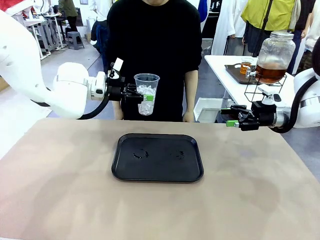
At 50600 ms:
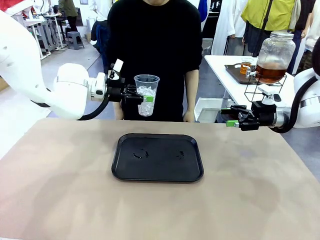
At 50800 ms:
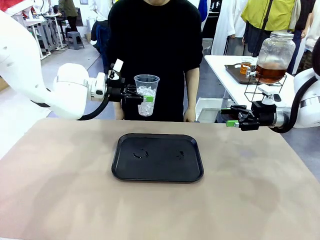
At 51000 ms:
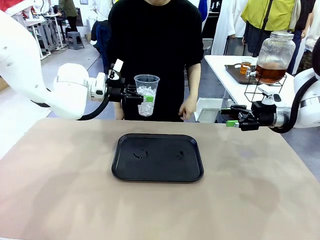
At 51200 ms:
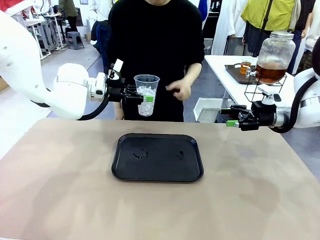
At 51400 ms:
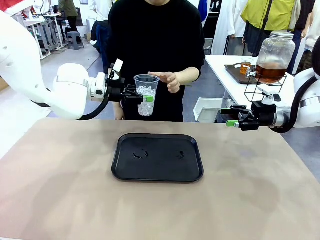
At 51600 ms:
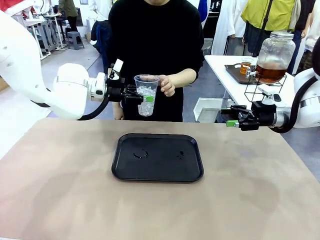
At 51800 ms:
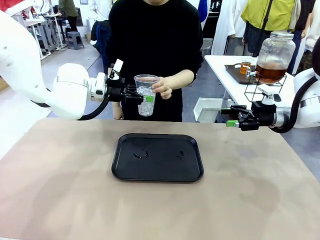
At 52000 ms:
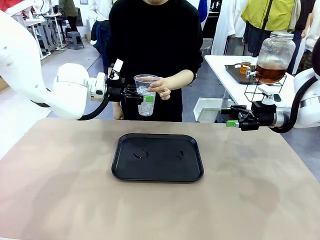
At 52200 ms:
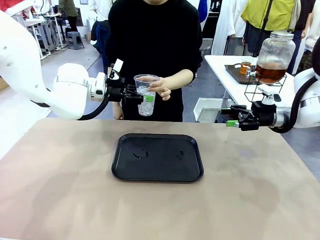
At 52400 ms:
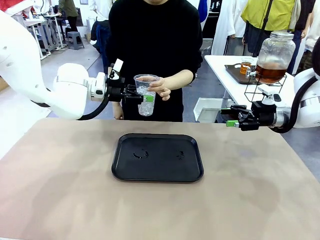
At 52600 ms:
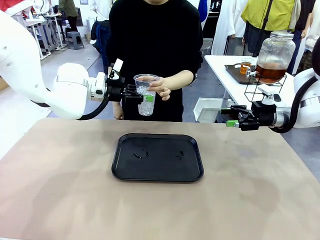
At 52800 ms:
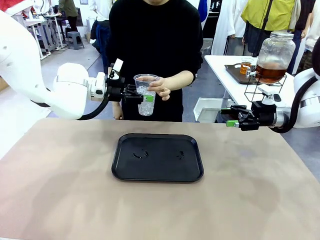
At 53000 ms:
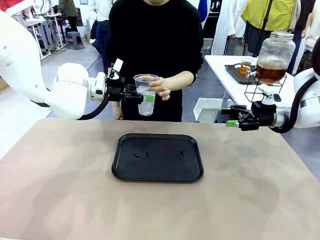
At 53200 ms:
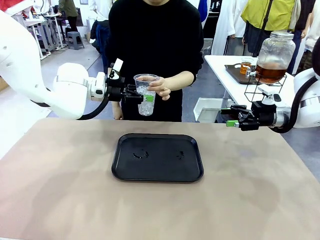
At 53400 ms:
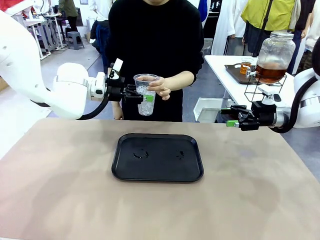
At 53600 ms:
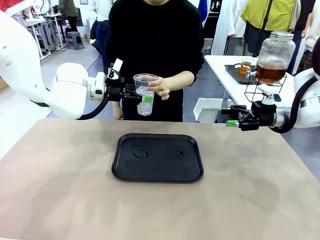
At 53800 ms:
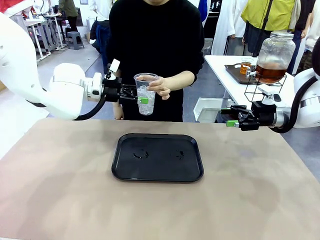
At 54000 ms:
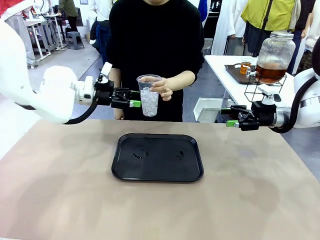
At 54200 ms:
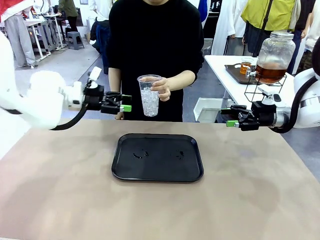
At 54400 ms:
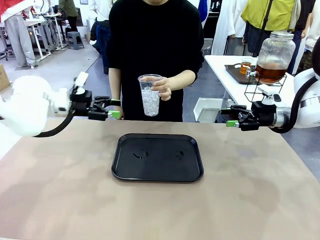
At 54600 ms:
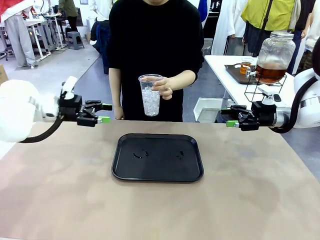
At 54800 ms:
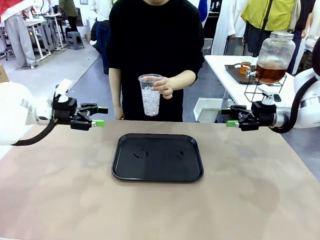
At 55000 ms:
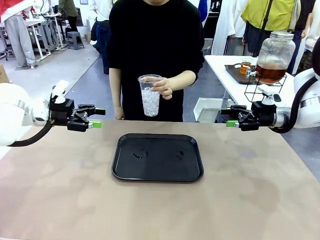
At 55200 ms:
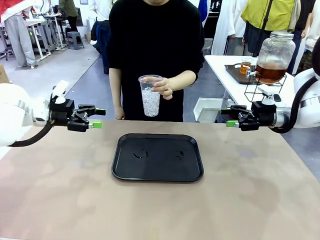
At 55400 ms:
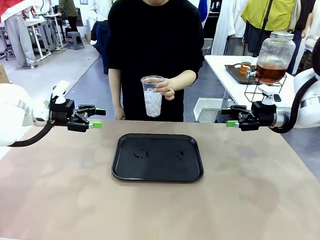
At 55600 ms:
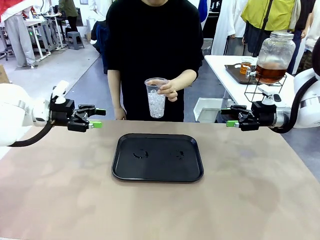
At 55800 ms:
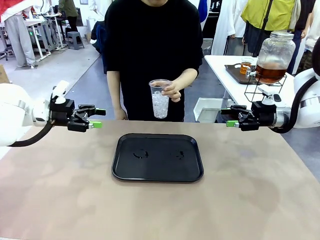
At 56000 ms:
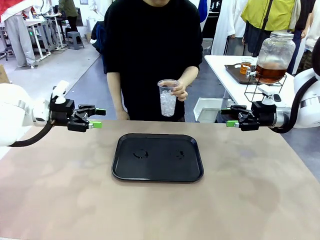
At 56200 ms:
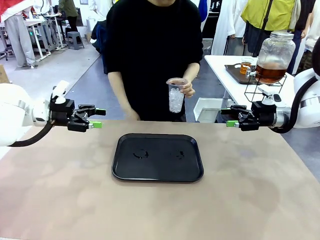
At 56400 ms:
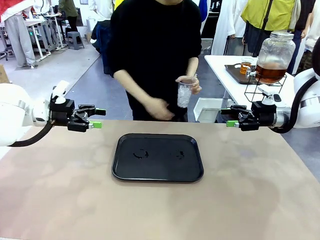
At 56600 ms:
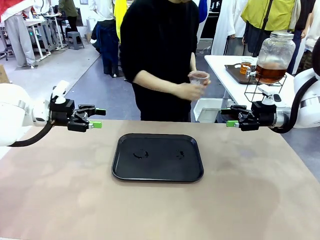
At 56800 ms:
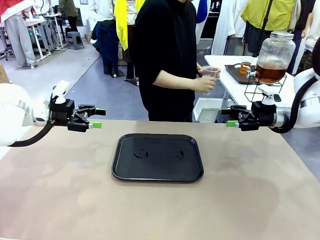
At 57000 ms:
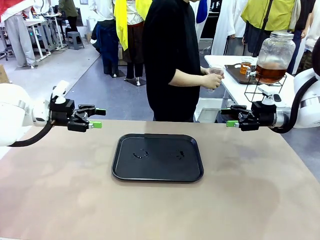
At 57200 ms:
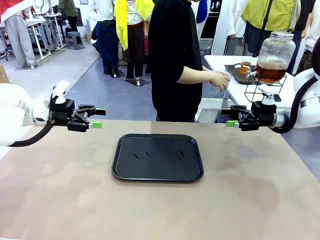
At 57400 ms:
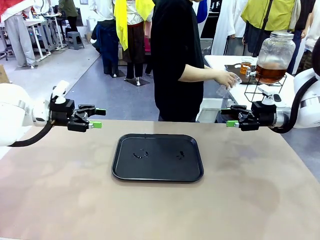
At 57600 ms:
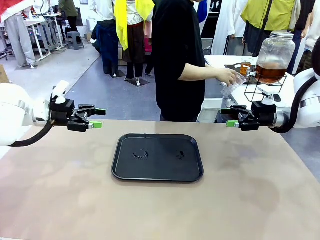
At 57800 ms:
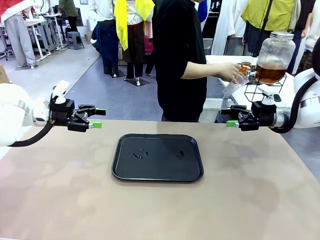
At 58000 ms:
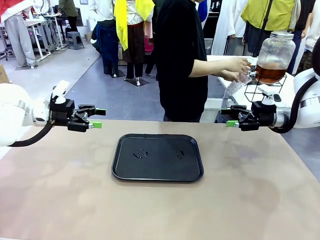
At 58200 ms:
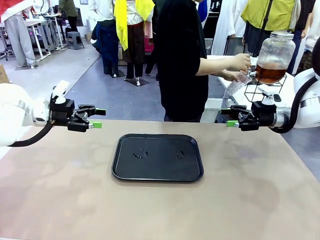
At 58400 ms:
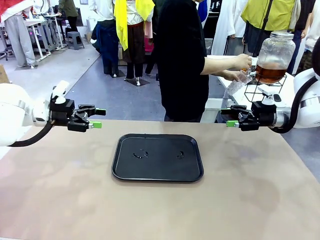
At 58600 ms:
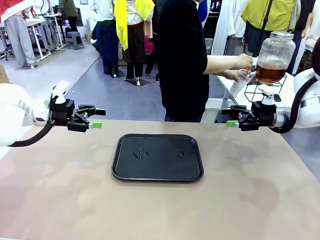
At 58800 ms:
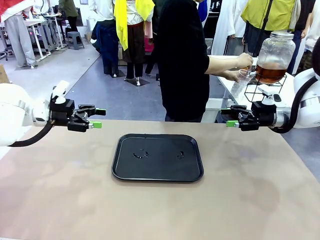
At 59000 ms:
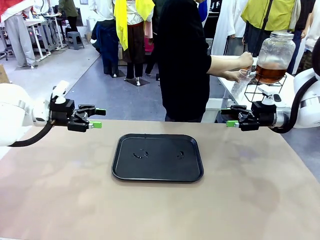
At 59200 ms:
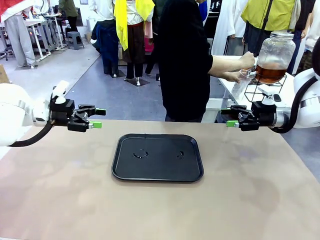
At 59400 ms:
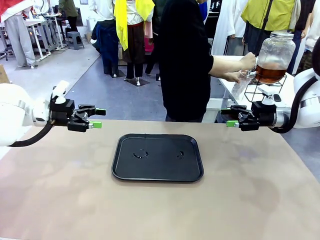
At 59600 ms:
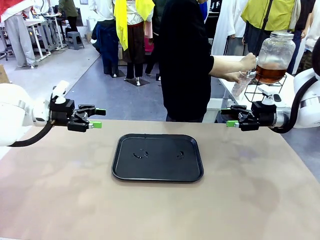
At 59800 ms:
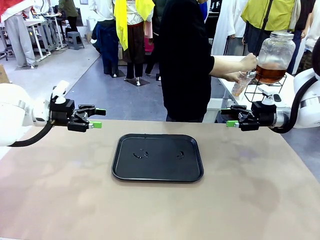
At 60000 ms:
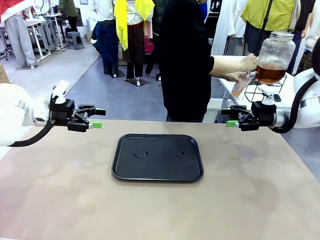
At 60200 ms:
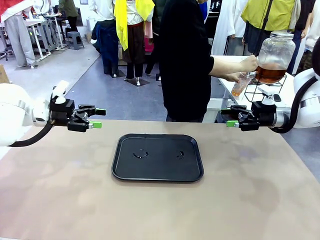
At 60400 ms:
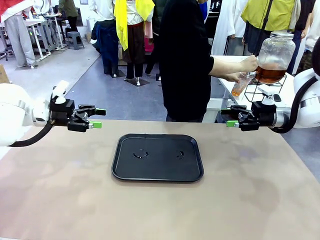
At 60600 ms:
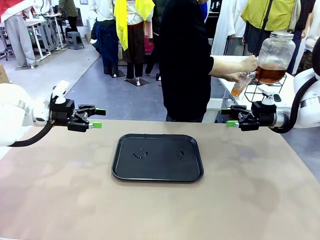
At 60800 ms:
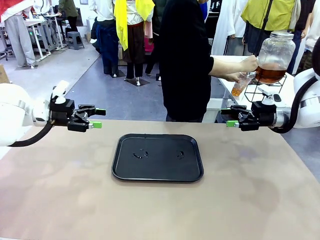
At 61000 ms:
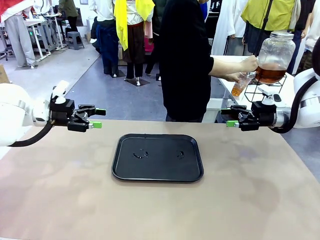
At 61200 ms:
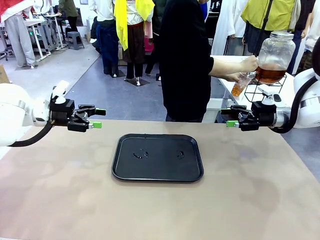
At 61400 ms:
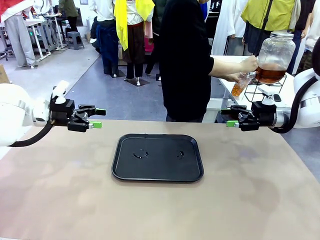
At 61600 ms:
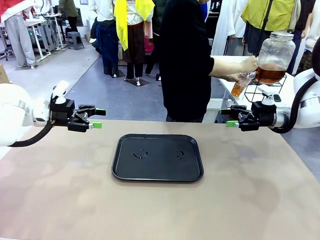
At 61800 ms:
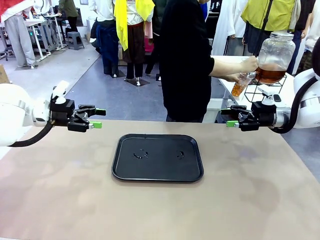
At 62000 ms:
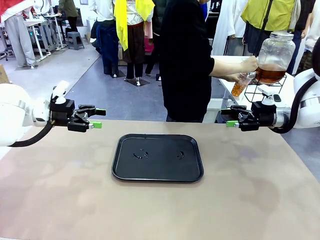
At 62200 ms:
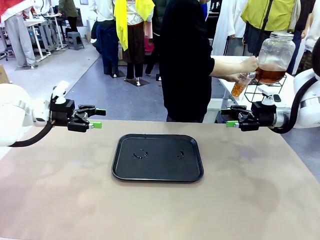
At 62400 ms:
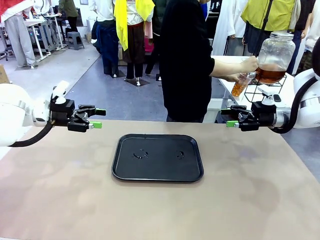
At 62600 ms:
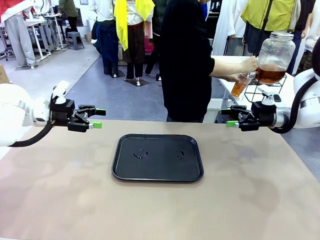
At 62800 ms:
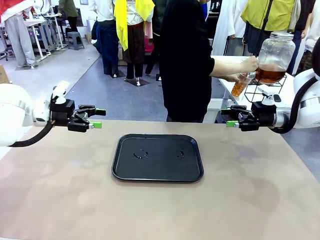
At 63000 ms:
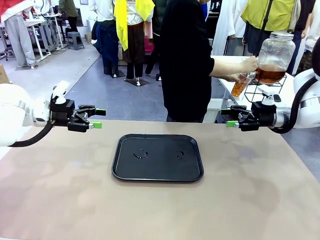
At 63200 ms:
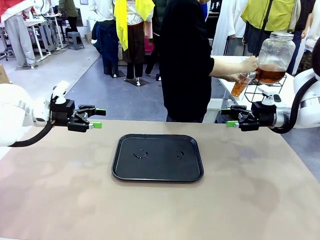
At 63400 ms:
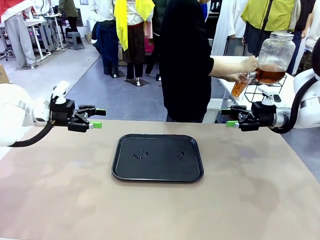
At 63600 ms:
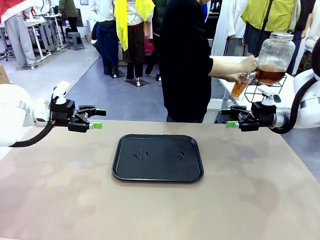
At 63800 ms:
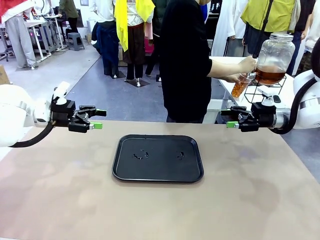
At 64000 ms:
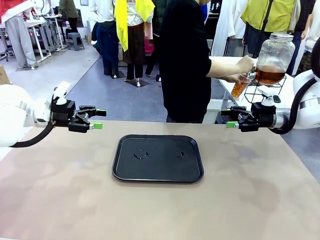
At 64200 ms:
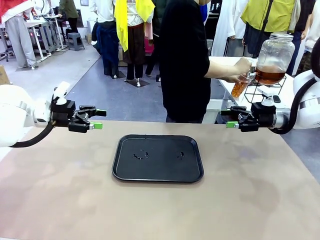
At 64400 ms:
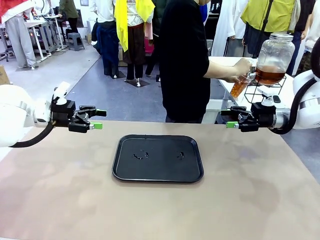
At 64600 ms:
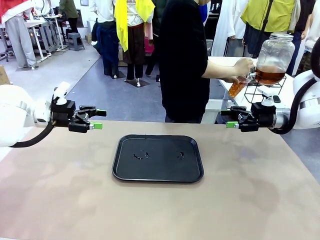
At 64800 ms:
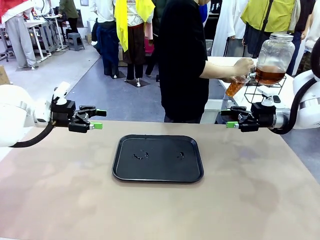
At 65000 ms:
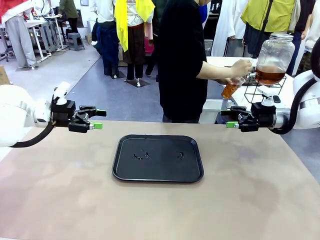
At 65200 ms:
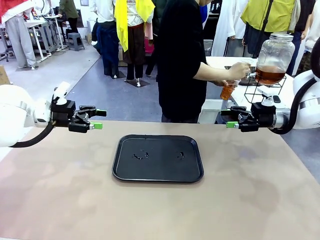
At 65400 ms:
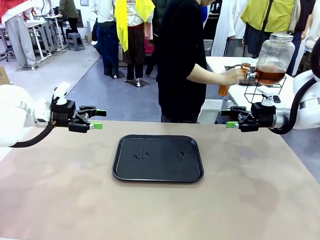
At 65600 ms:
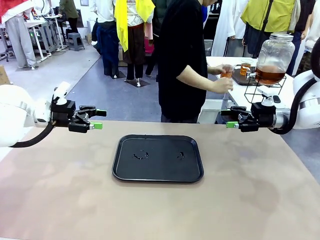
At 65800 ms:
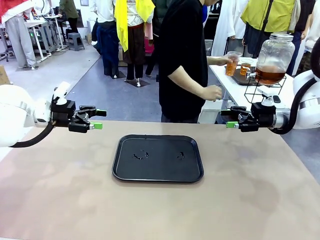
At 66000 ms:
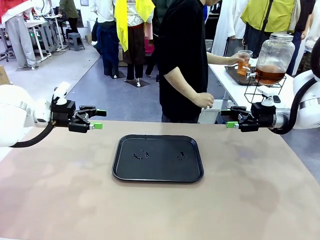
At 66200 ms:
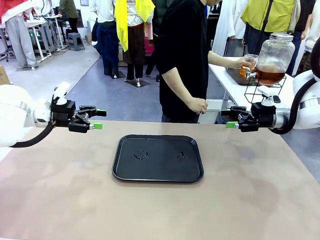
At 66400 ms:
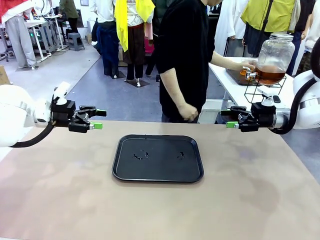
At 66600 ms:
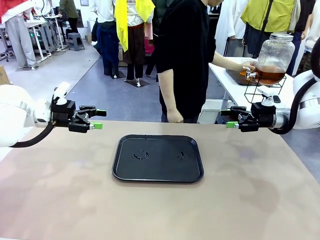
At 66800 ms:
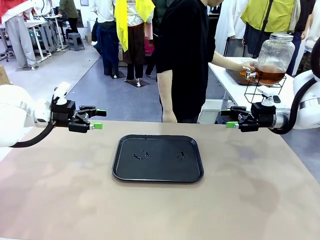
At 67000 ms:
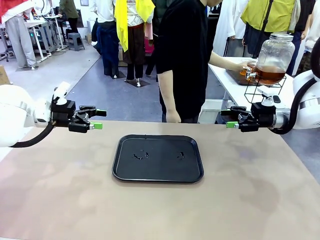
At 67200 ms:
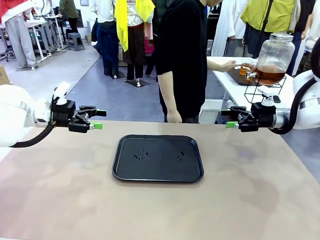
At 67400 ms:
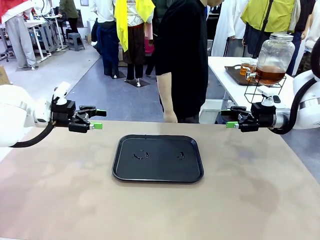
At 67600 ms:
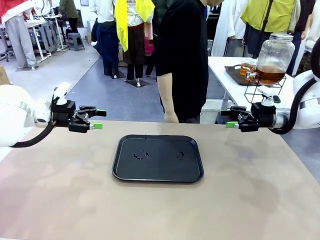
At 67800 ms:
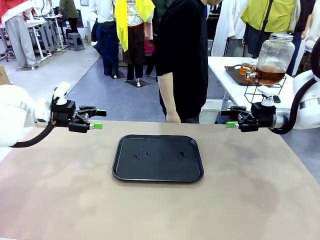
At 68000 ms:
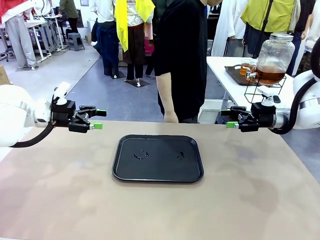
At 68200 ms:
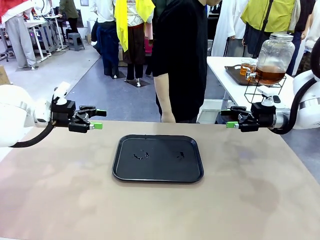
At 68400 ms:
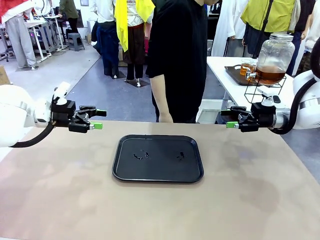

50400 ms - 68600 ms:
Task: Pour the drink into the iced cup.
Robot: Open the gripper to release the iced cup you were holding.
Person: Move the picked-up cup under the dispenser faucet, pour the drink, and place it on the tray on the human table.
